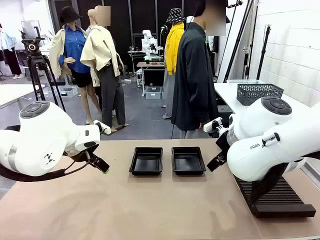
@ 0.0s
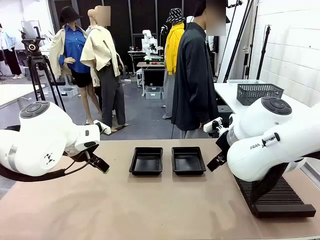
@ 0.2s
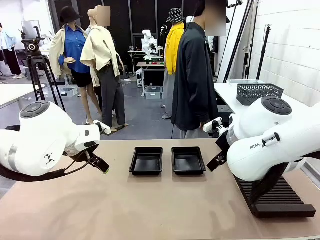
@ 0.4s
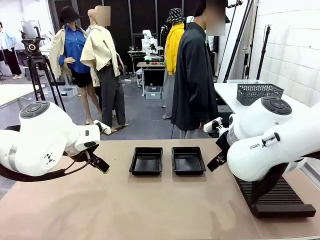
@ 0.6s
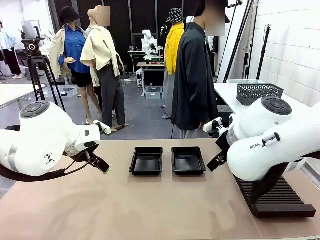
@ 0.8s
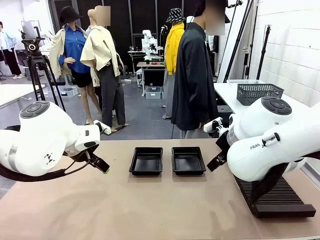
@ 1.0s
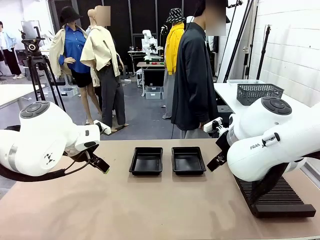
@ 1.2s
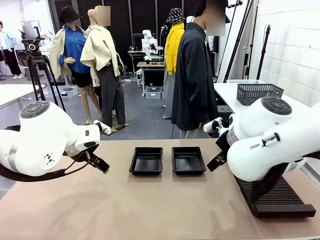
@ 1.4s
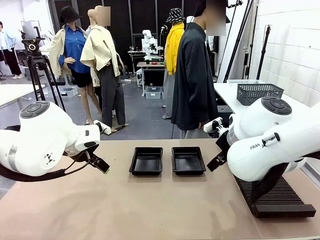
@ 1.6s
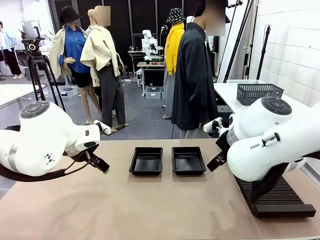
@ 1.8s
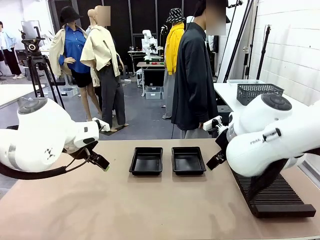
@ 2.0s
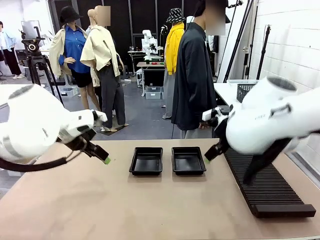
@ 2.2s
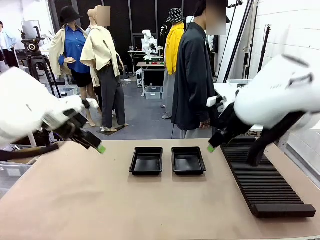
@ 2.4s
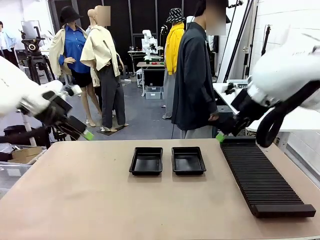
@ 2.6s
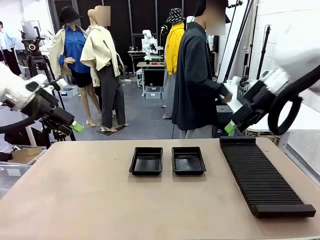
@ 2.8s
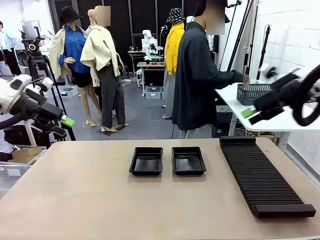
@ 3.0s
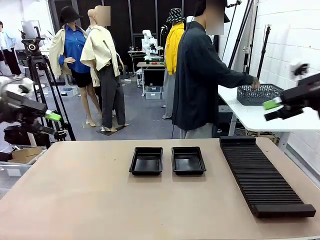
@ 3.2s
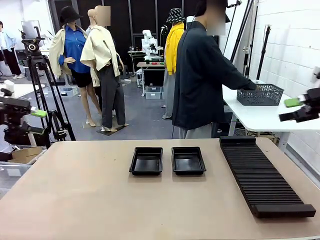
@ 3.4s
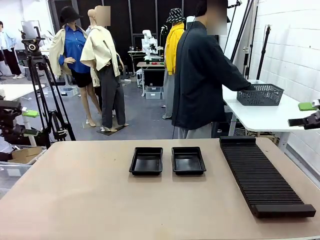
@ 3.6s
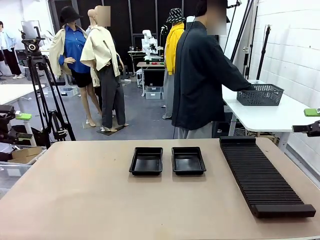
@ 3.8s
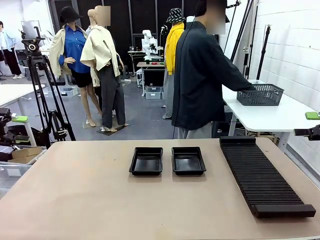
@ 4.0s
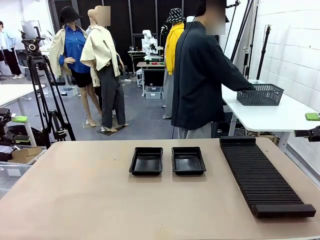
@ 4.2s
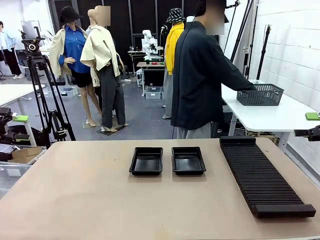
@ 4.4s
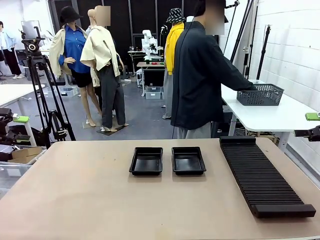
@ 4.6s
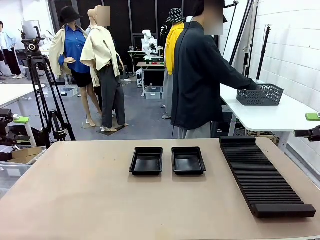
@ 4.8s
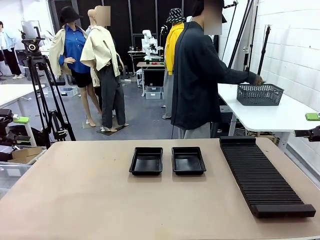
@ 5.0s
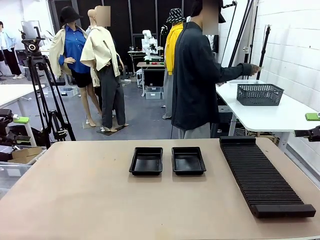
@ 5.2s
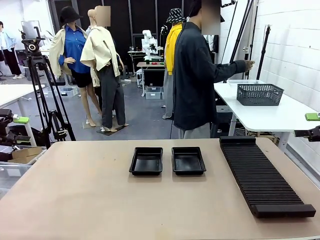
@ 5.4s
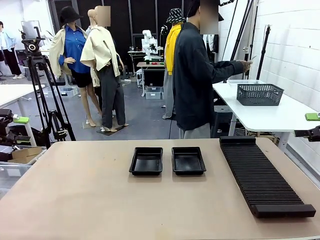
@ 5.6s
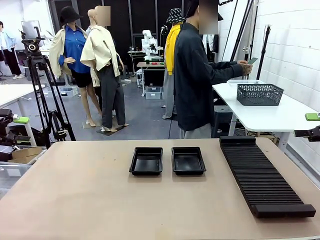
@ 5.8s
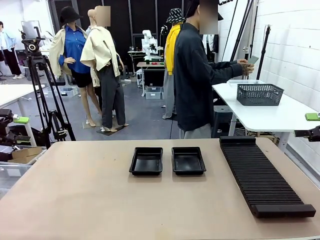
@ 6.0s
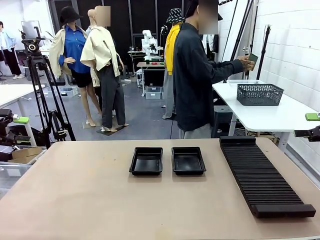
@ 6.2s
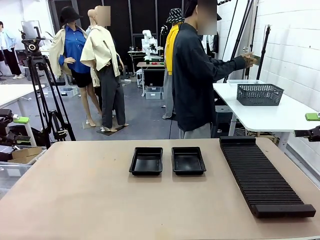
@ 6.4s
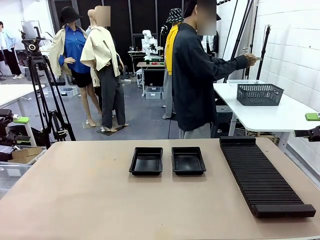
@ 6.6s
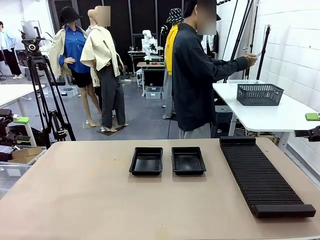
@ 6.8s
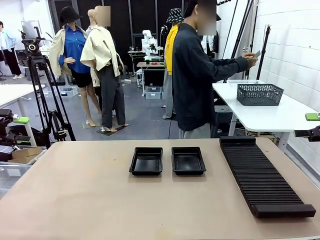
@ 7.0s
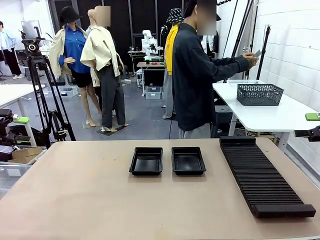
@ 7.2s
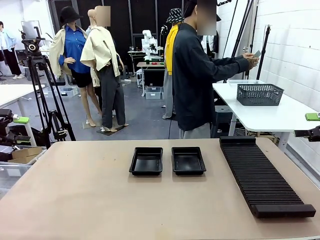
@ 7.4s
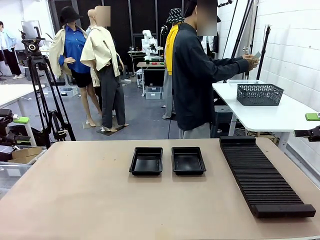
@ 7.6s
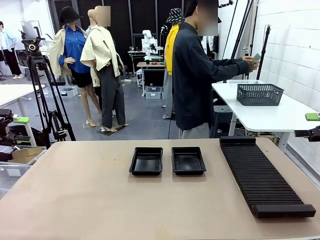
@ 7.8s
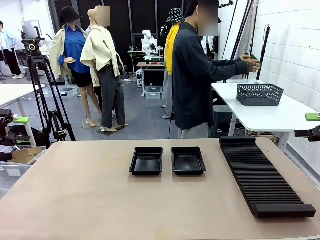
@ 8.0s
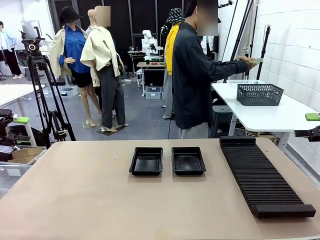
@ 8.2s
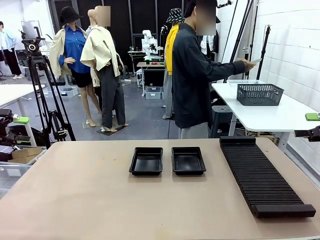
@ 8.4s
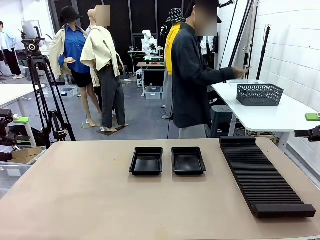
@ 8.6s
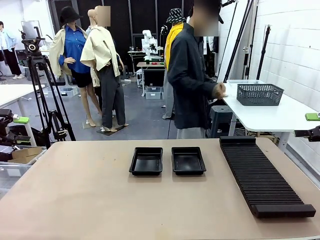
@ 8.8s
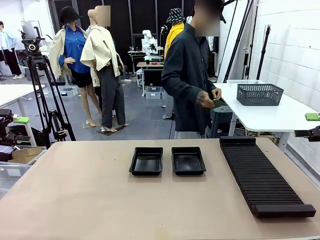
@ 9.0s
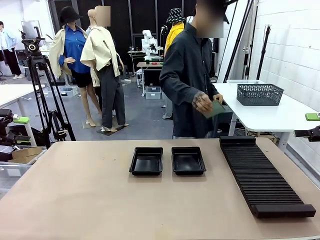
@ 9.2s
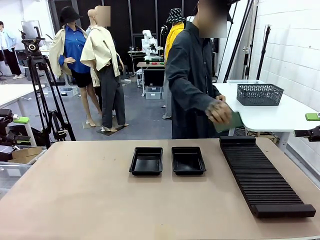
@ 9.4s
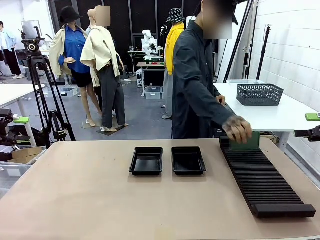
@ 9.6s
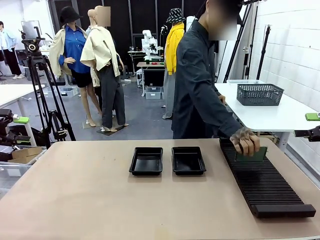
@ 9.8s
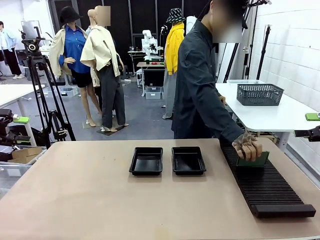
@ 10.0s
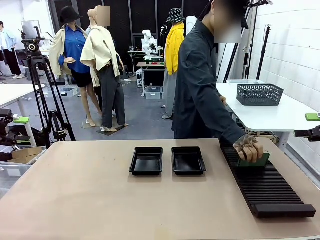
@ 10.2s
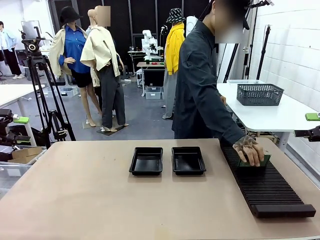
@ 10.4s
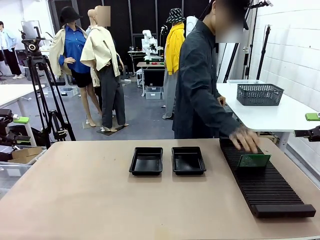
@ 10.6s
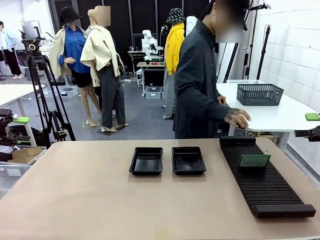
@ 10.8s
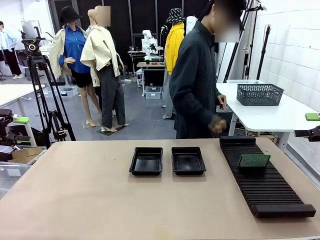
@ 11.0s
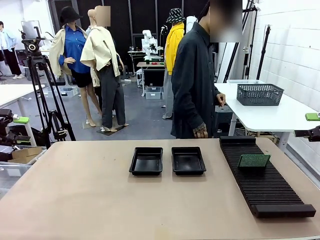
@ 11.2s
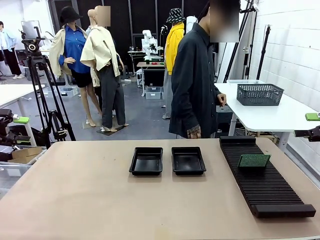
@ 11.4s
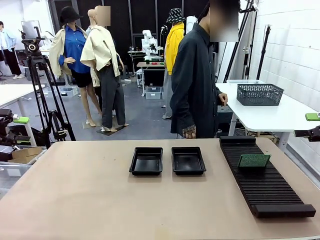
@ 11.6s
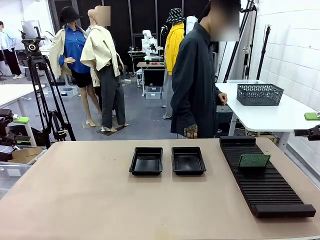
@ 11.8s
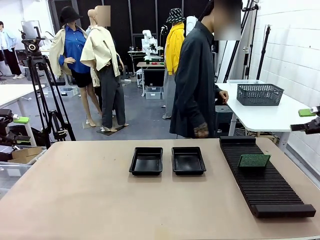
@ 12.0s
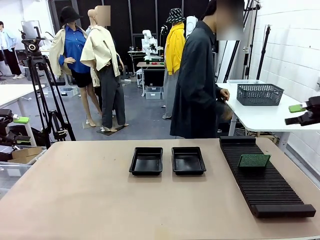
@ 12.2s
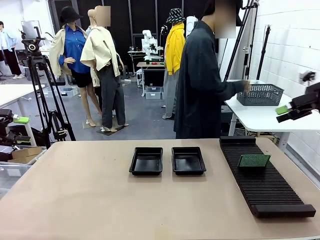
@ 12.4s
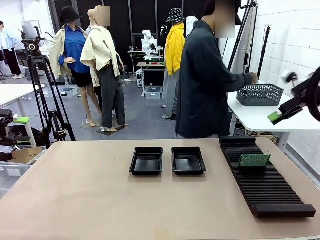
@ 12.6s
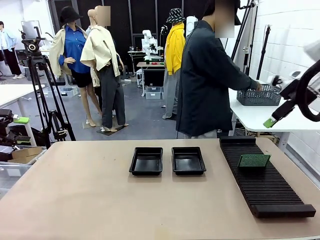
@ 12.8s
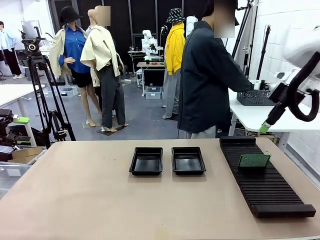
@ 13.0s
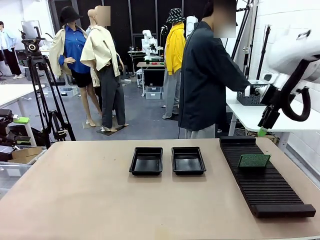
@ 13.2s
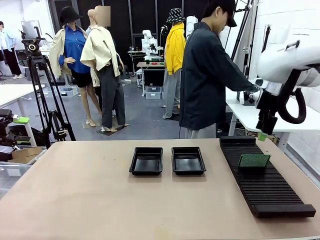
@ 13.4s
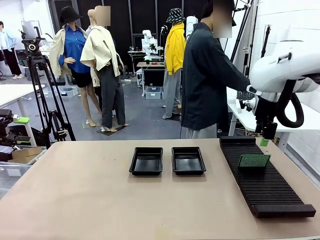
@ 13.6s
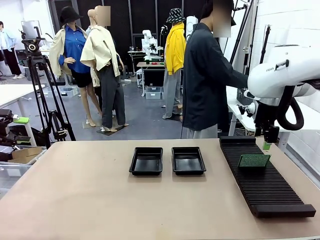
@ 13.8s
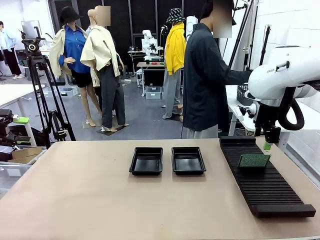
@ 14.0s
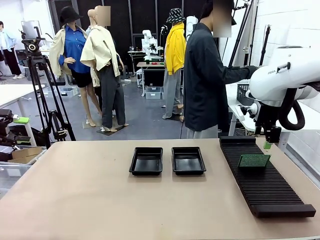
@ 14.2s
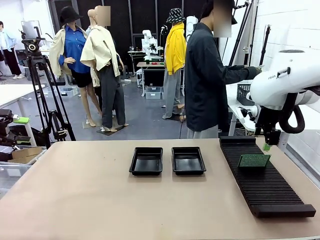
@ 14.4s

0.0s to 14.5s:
Task: Inspect and transfer BCBs to ESD trays.
Robot: Pick up the Blank PCB from the PCB Rack and place it in the left ESD tray.
